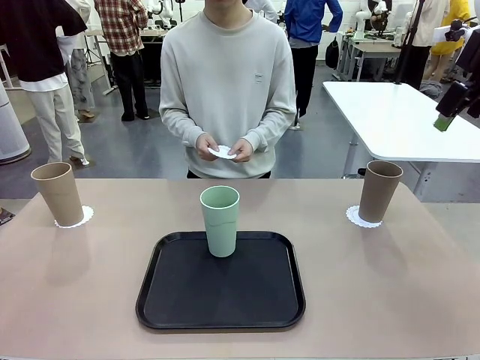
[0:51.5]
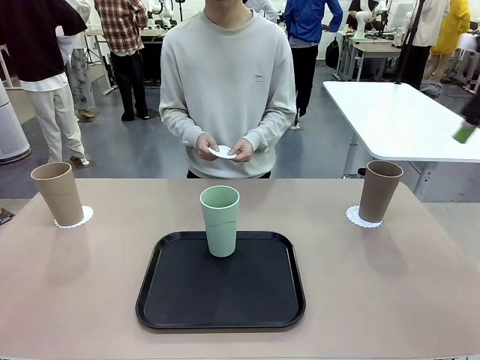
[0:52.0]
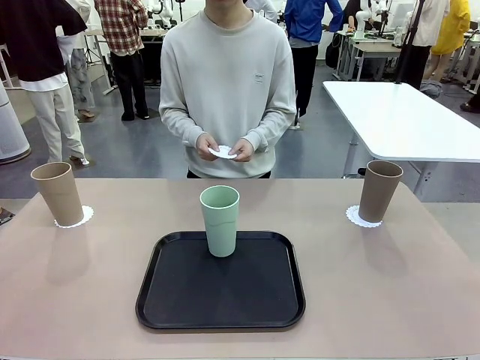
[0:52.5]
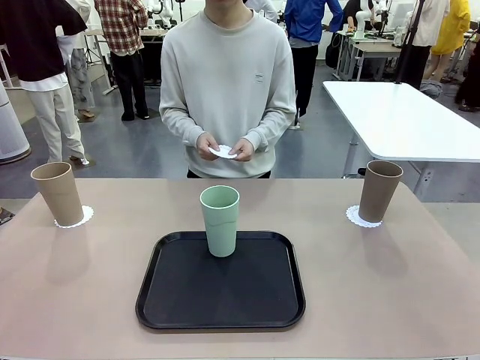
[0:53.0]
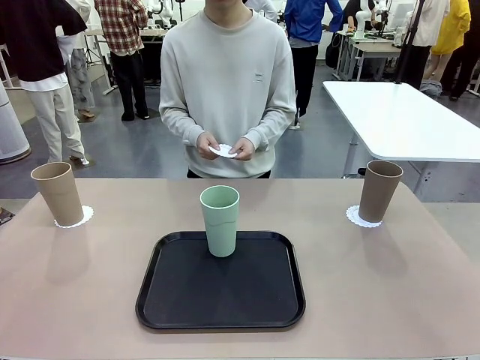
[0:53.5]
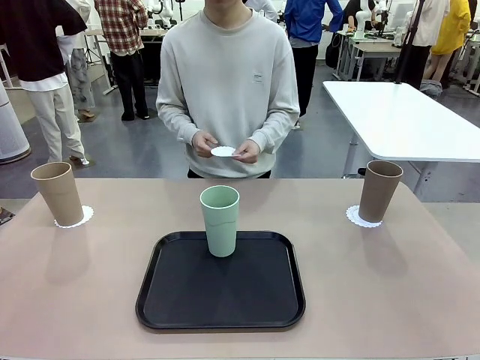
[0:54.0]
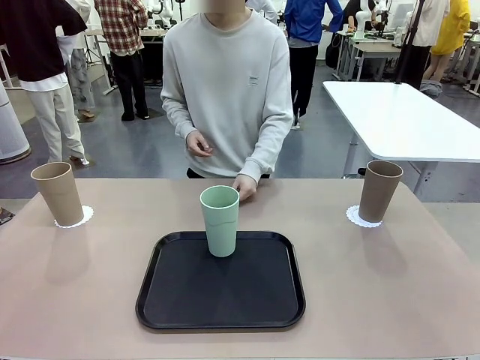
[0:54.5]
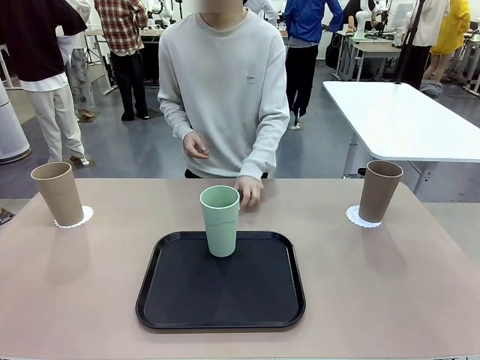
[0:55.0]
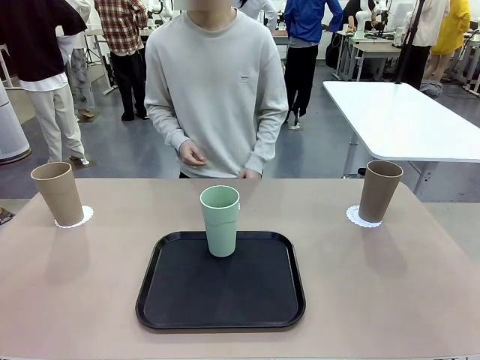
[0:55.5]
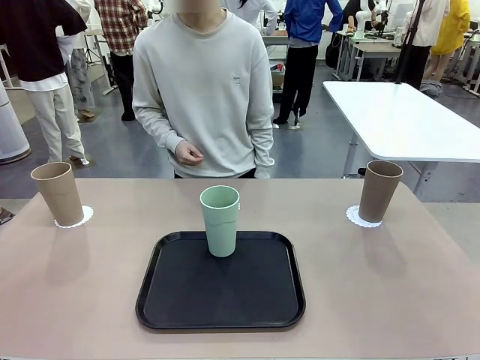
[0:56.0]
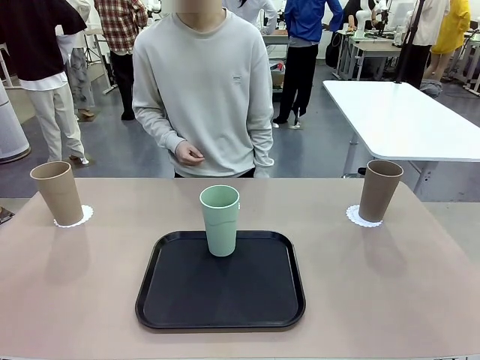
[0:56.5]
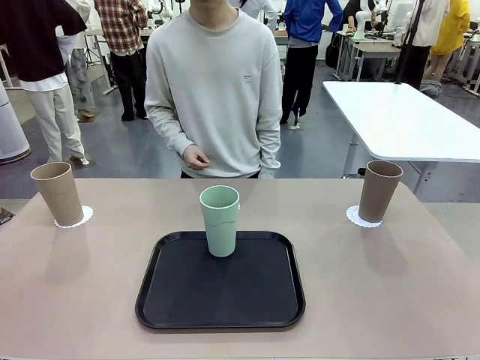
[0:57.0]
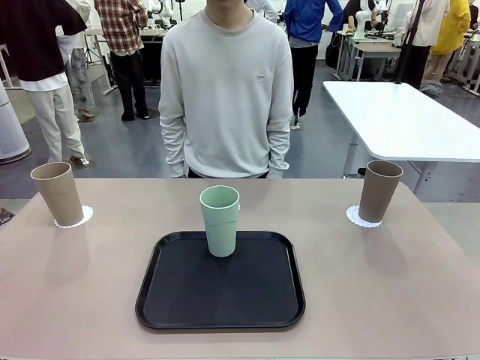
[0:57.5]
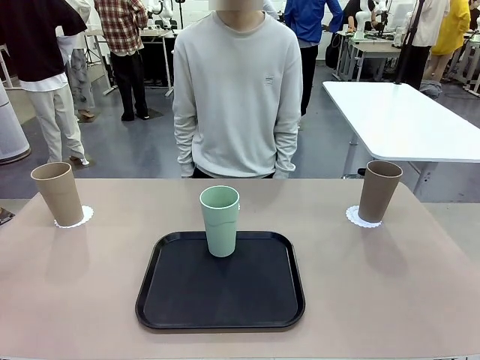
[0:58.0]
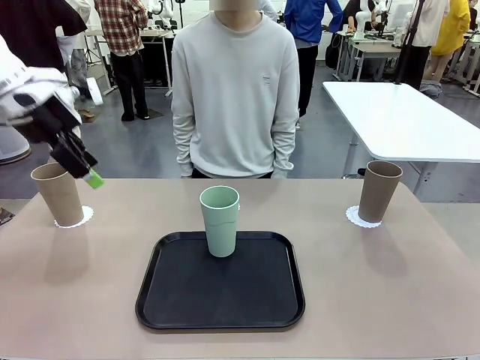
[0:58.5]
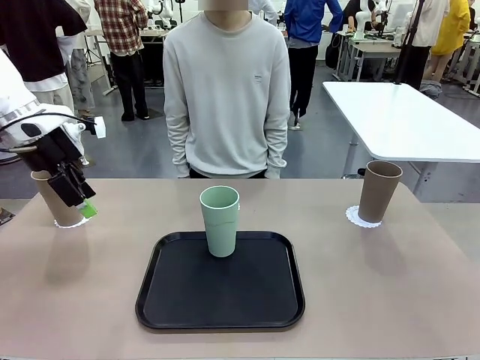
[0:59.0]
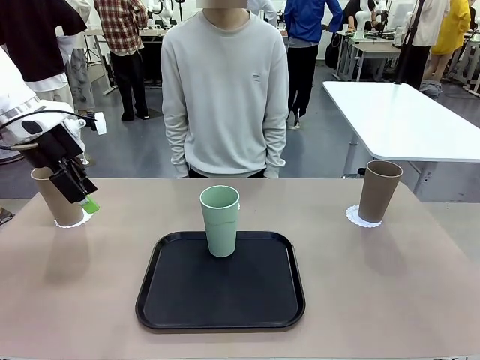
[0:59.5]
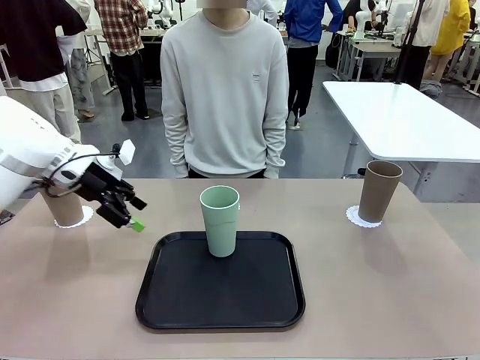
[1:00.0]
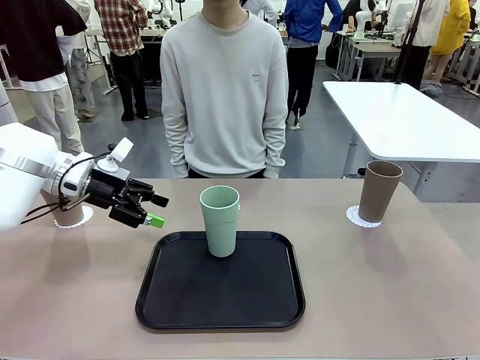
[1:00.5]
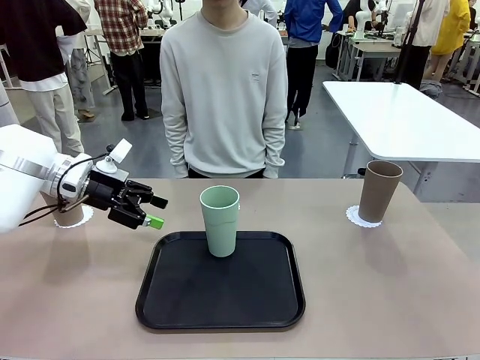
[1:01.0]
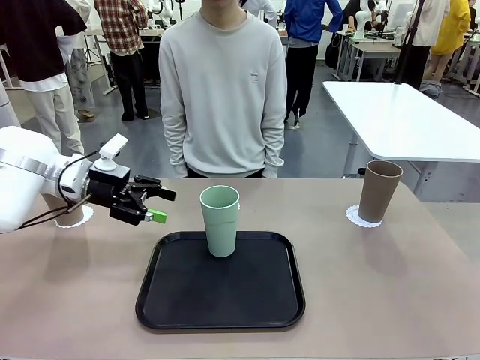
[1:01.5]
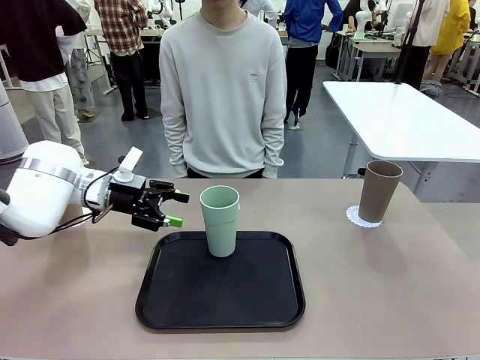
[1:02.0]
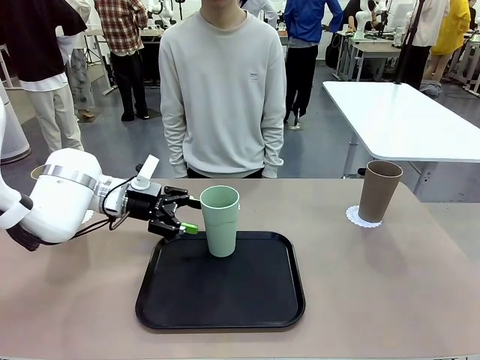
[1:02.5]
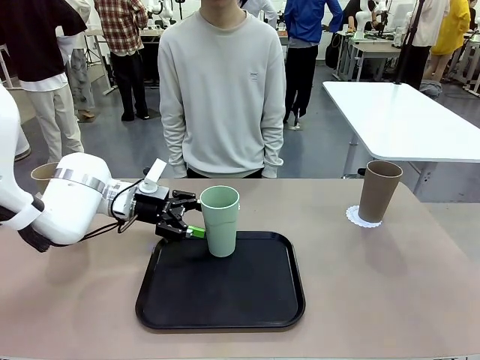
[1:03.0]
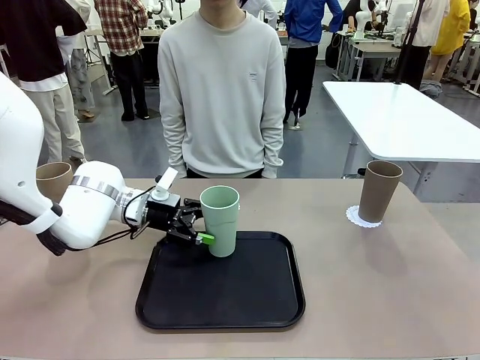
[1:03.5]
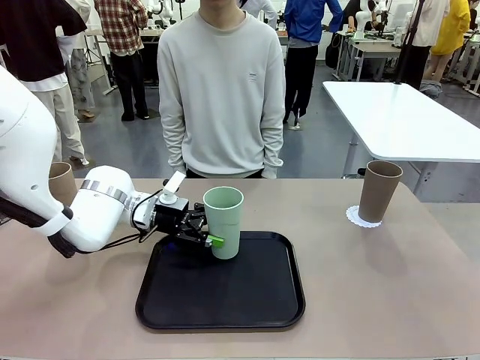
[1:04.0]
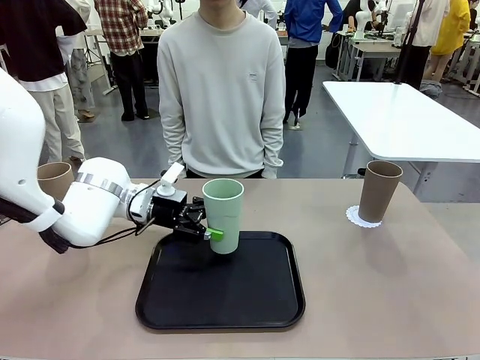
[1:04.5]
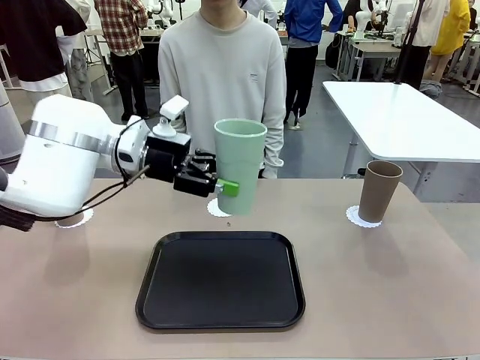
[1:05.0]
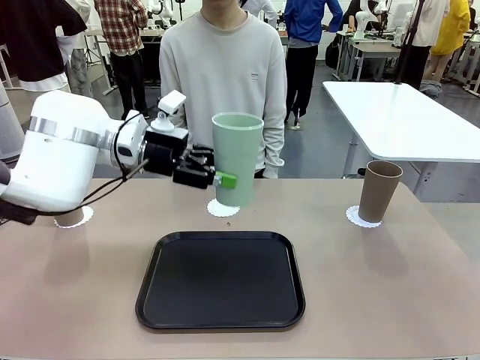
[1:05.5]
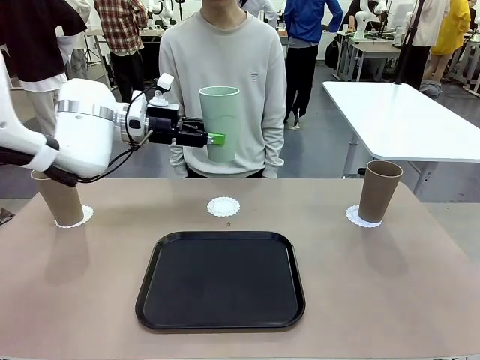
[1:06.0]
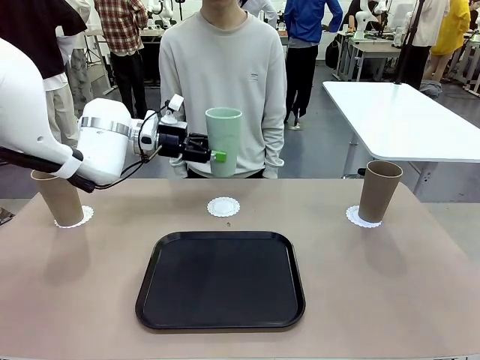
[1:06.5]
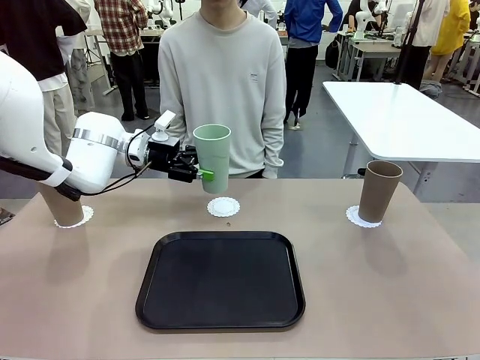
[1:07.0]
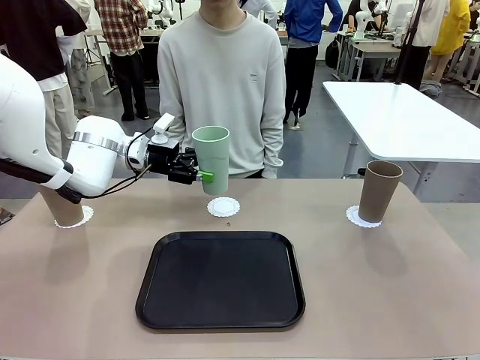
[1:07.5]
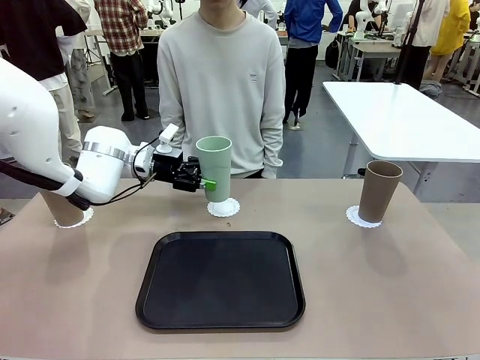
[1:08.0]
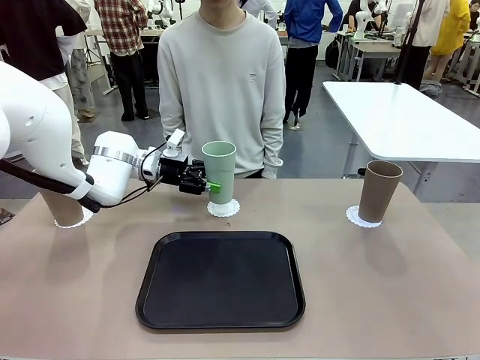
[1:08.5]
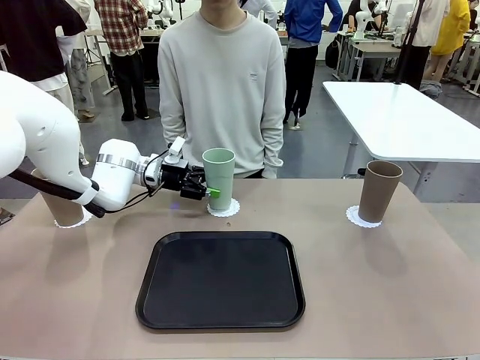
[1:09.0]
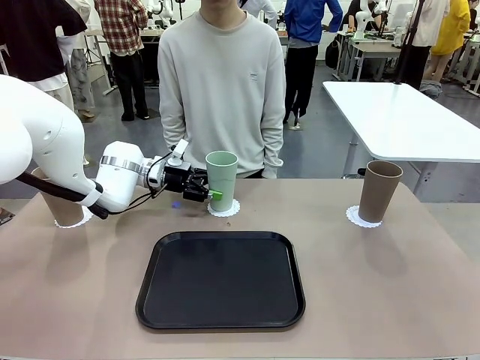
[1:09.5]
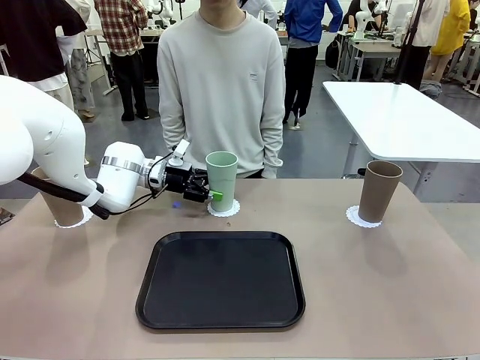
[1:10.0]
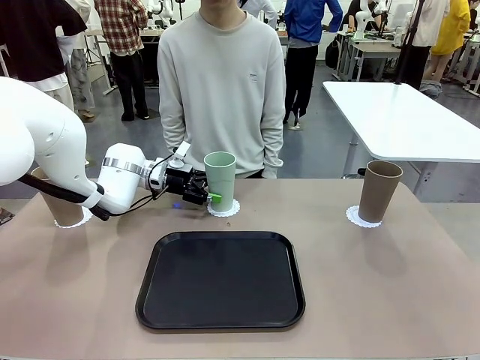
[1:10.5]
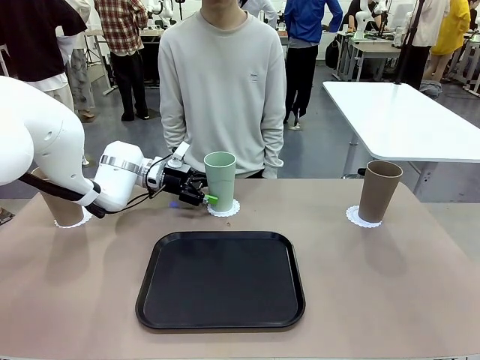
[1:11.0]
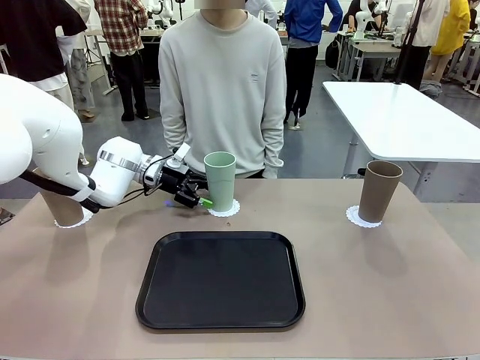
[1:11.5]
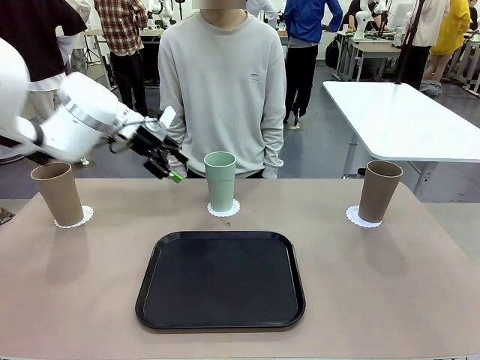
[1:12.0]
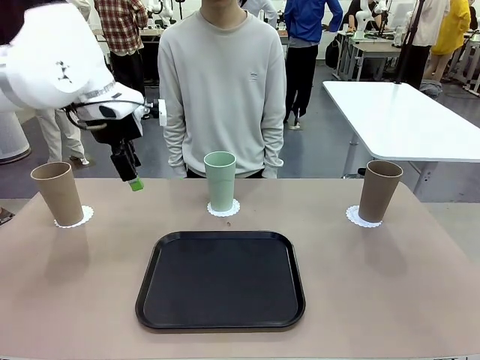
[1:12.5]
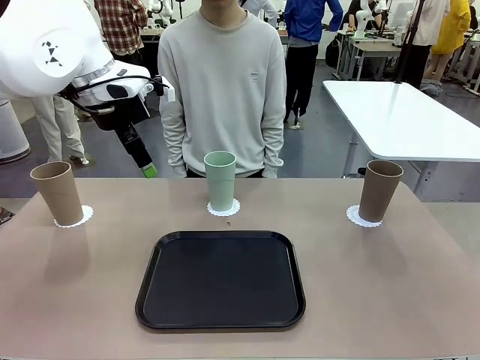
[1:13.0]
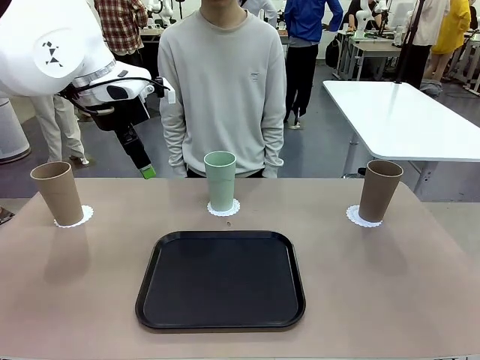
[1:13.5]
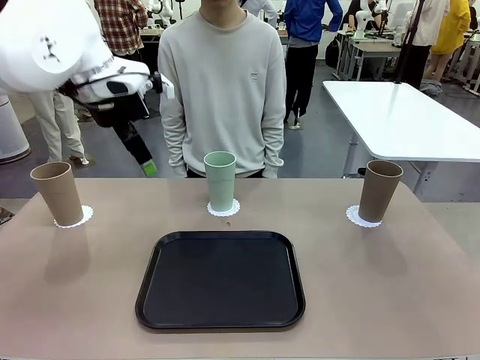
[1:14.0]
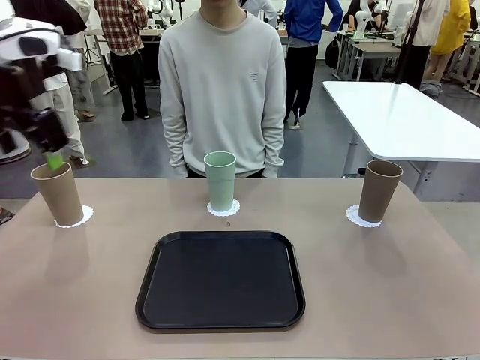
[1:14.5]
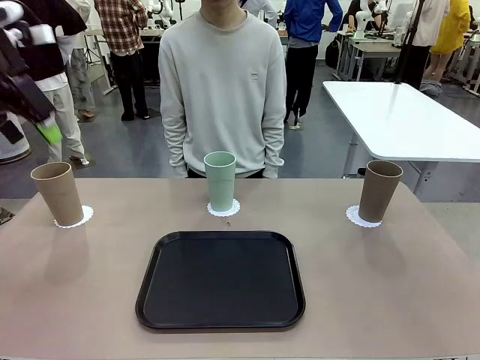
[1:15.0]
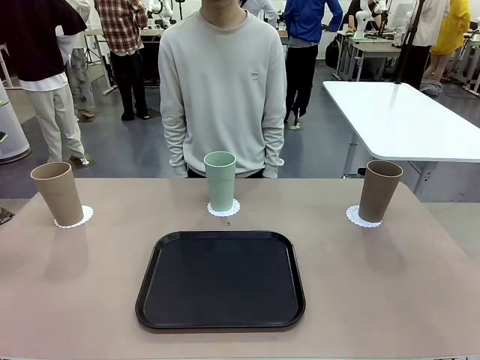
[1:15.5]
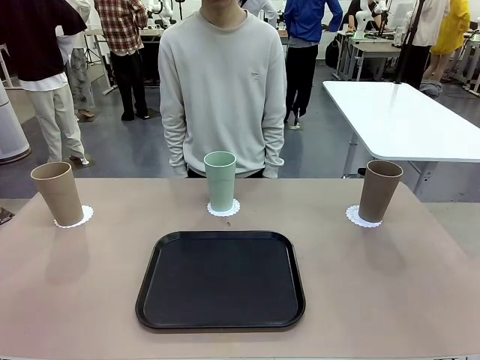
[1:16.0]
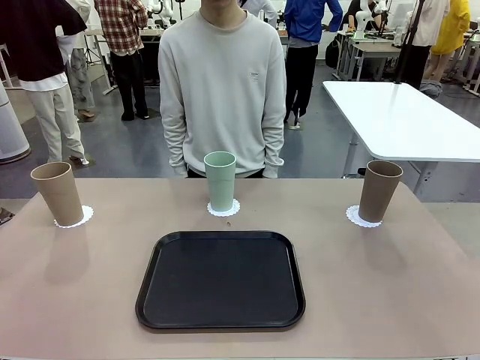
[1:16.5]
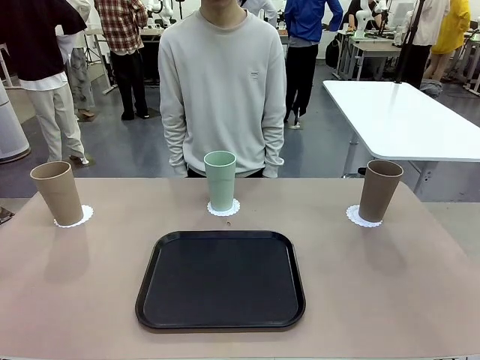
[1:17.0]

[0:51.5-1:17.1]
Task: Place coasters on the table and set cups on them.
Robot: Take one Reusable plastic cup from the Flat Tray and place it on a coaster set by the human.
Person: Place one coaster in the only remaining area.
